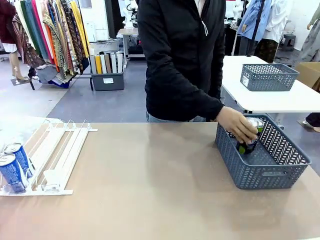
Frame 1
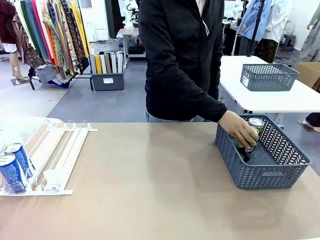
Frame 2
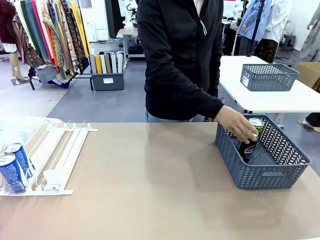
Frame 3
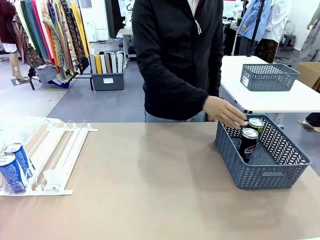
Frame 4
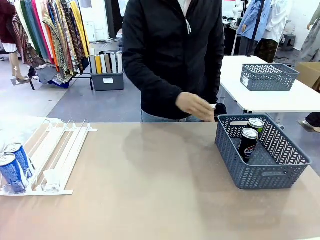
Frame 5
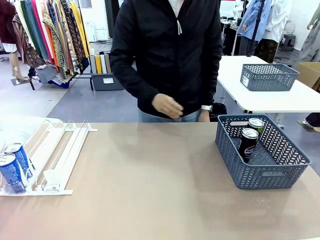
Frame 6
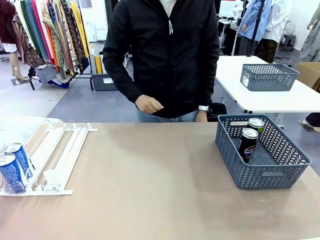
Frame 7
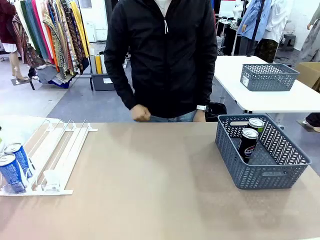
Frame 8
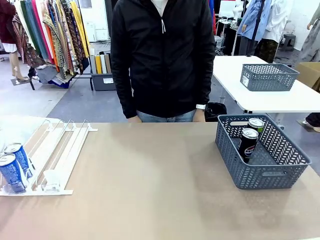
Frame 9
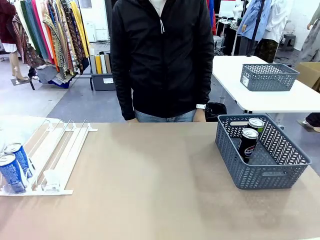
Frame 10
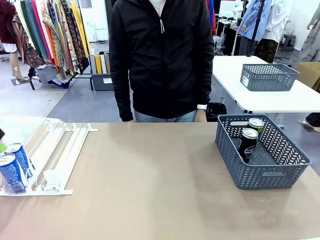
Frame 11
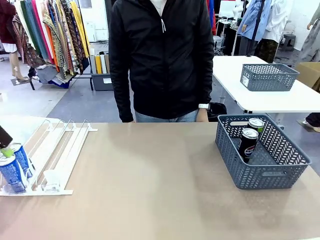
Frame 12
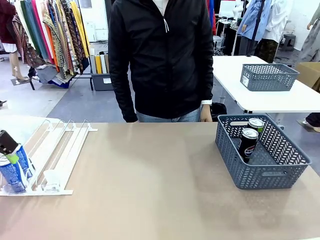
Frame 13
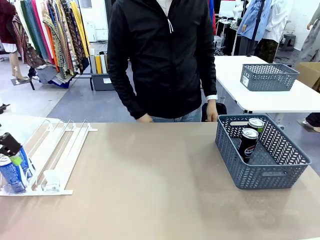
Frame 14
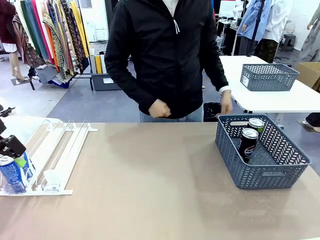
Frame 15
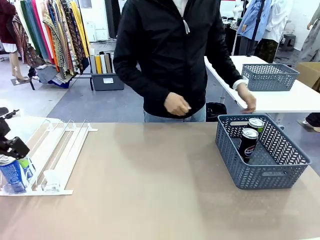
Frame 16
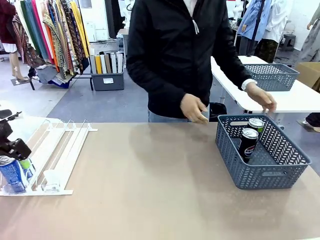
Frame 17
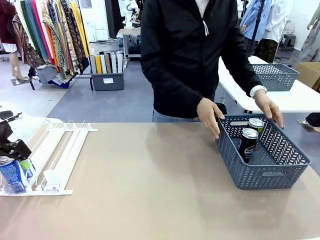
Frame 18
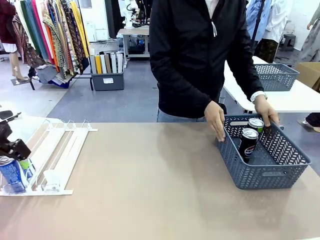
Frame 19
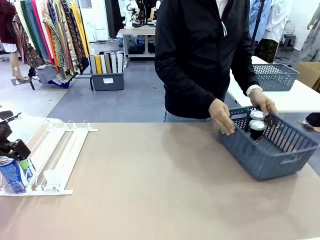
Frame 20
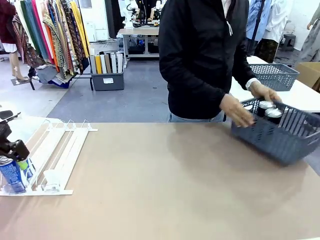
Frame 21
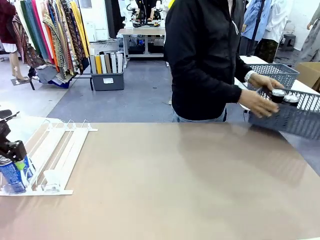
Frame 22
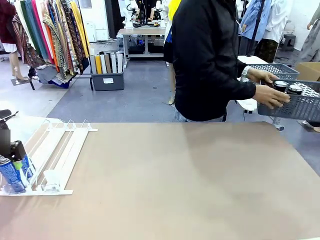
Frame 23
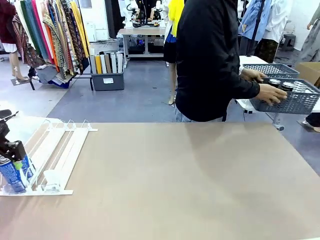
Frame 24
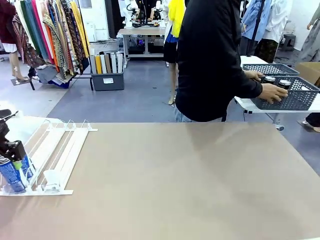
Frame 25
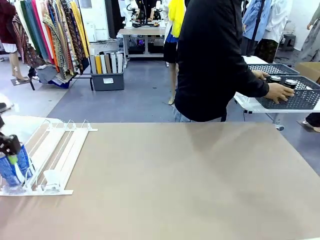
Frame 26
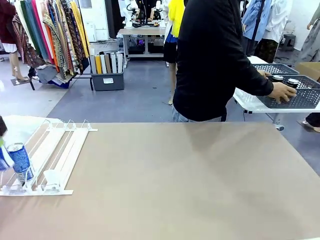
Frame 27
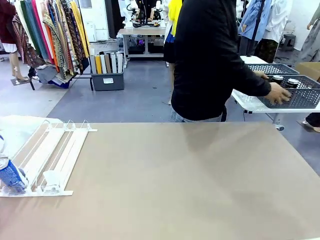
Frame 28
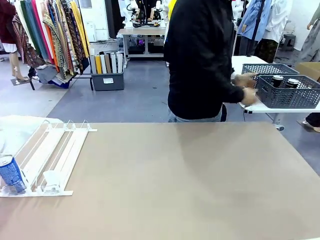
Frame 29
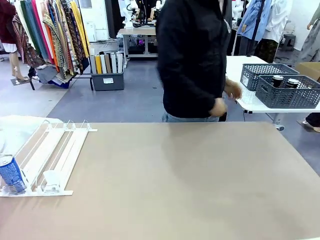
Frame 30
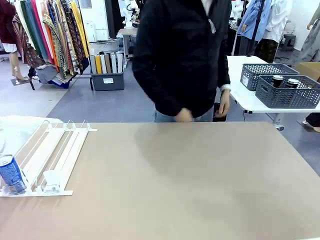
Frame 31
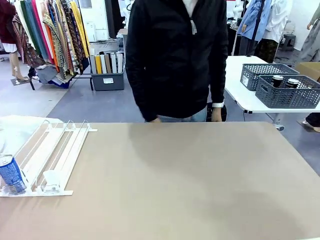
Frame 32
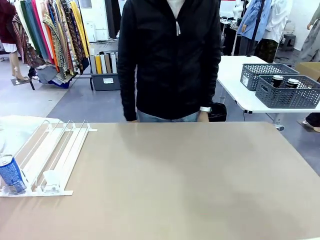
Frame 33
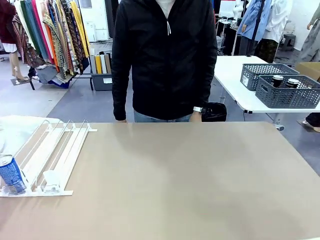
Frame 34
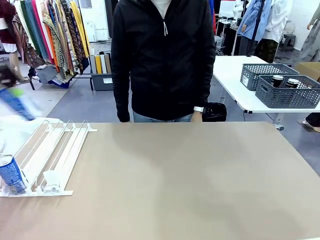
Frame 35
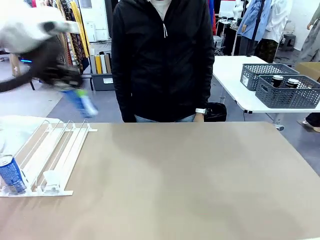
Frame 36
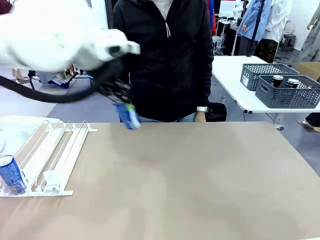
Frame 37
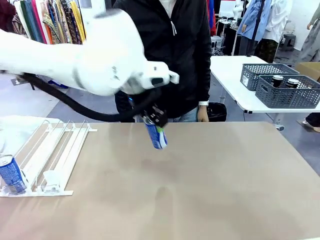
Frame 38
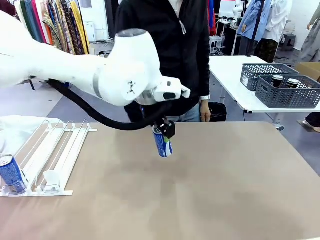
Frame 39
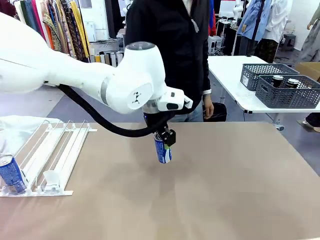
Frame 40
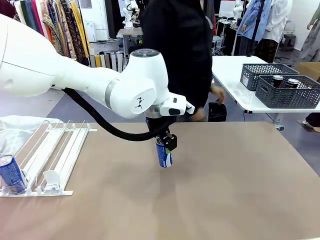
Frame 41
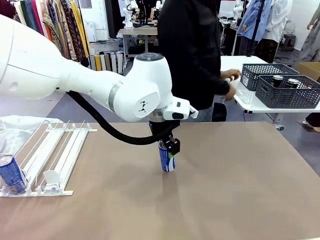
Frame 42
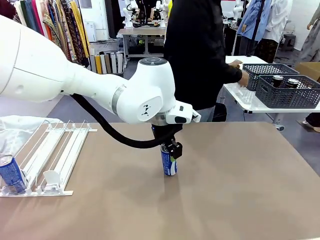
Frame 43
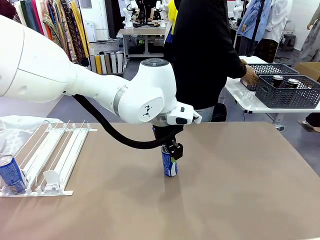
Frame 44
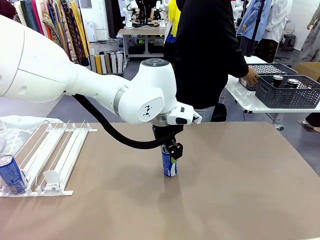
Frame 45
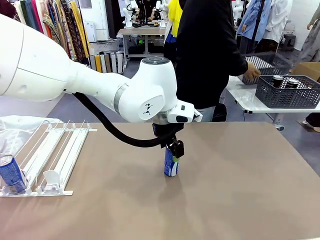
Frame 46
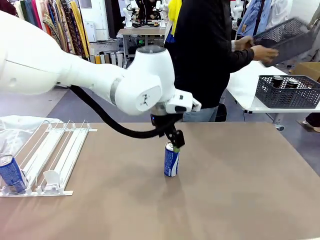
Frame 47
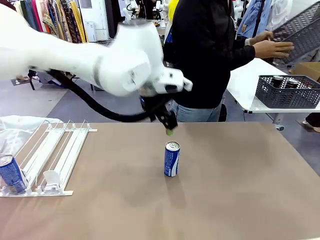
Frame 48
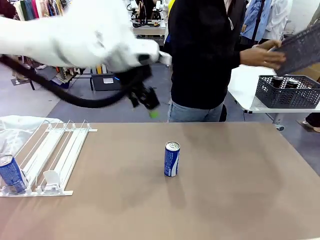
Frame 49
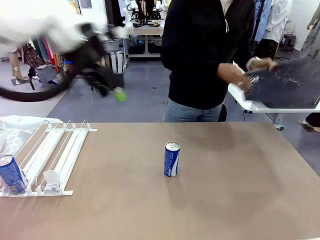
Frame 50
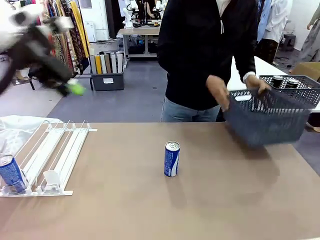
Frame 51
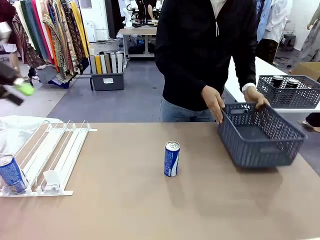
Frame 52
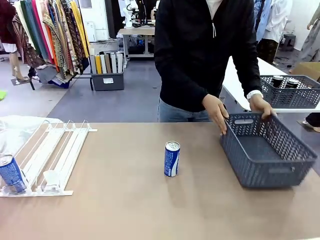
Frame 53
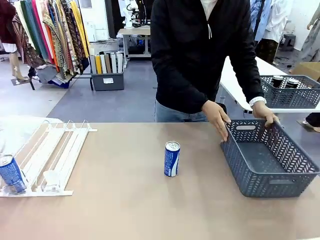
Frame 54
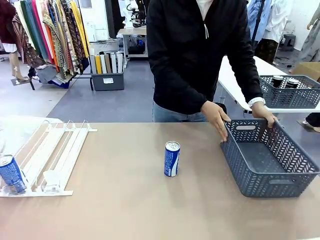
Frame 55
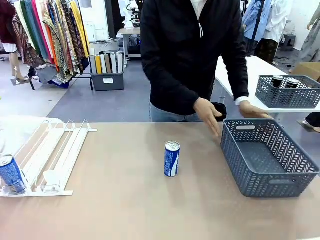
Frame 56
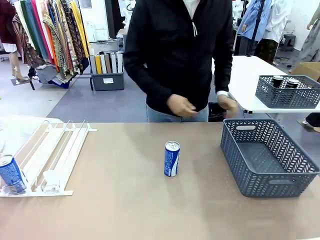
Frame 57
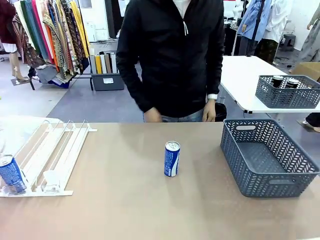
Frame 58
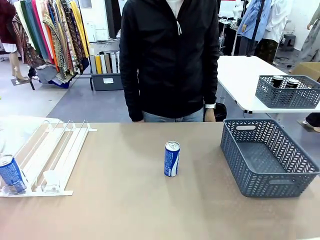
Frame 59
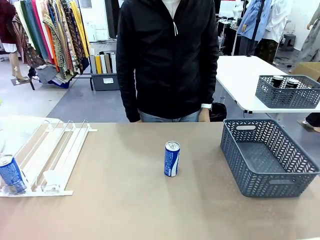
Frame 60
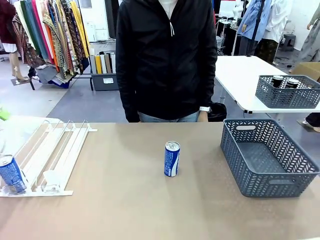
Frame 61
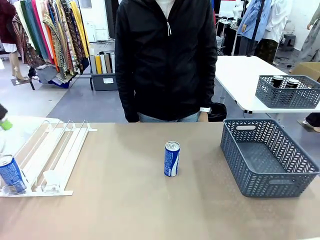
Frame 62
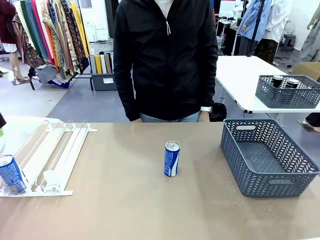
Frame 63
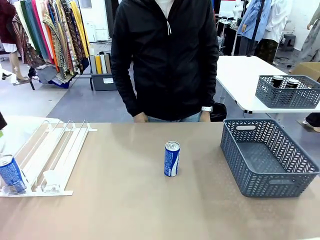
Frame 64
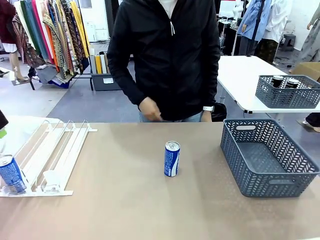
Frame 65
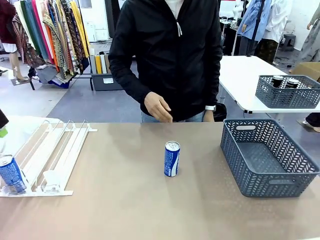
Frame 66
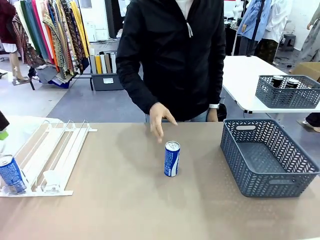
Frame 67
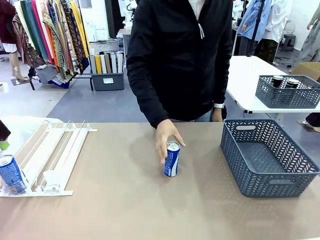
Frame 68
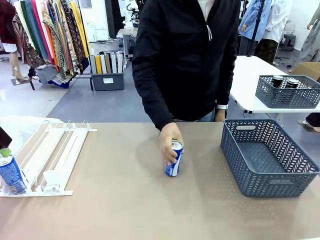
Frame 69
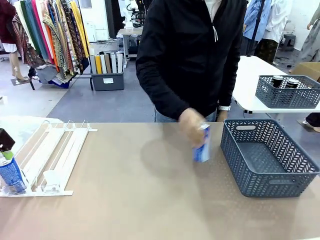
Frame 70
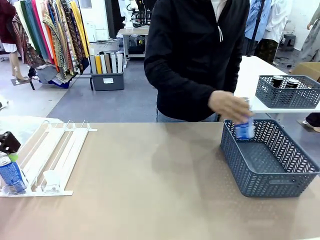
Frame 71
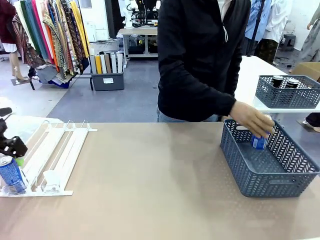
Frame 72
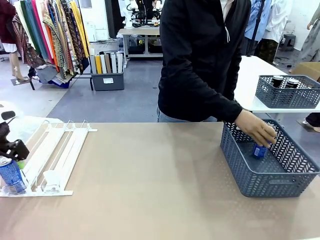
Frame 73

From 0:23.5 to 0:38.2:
Task: Retrieve and store the cans from the dispenser.
Robot: Pick up one can from the Automatic Can Dispenser and place it in the middle of the table.
Person: Pick up the basket and place it in the middle of the human table. Pick up the empty basket and place it on the left side of the robot table.
